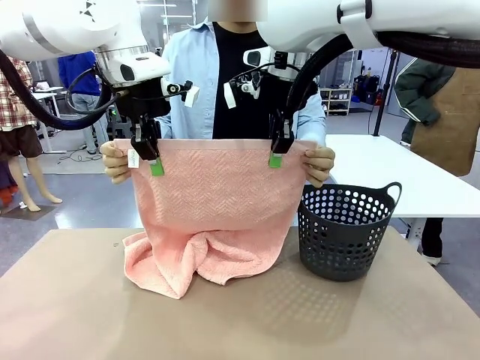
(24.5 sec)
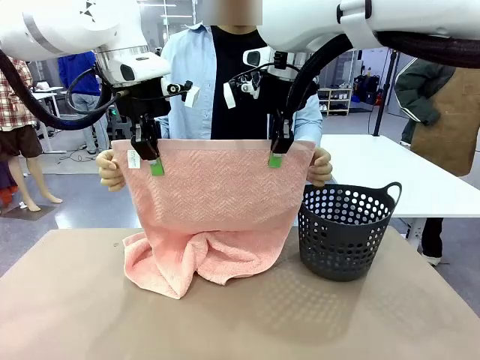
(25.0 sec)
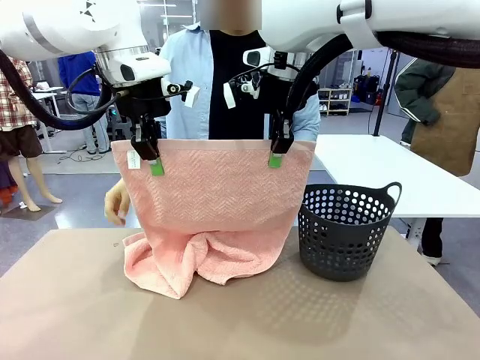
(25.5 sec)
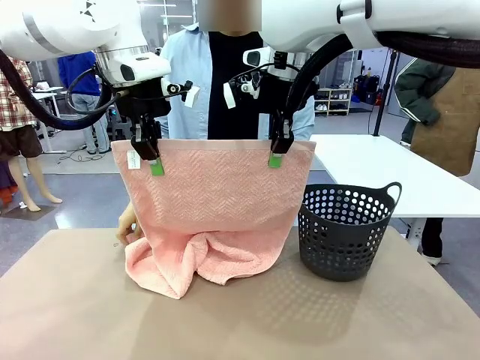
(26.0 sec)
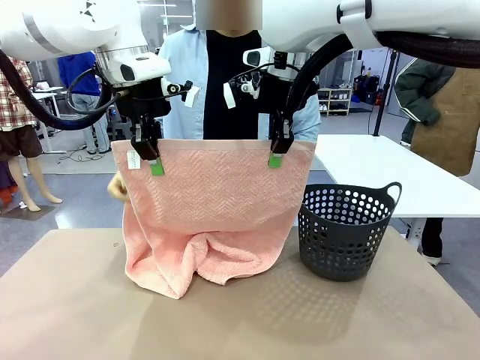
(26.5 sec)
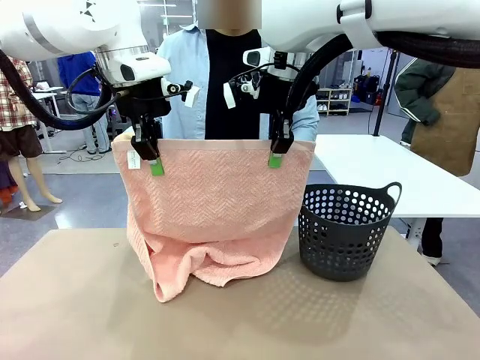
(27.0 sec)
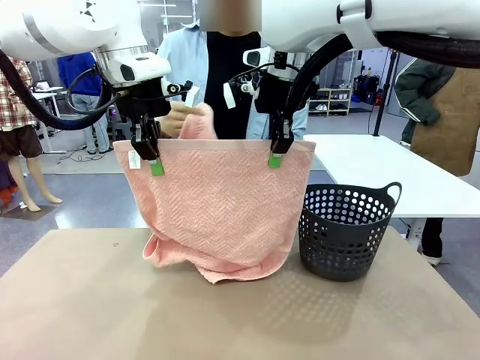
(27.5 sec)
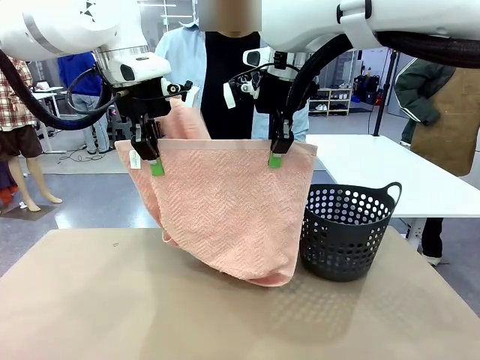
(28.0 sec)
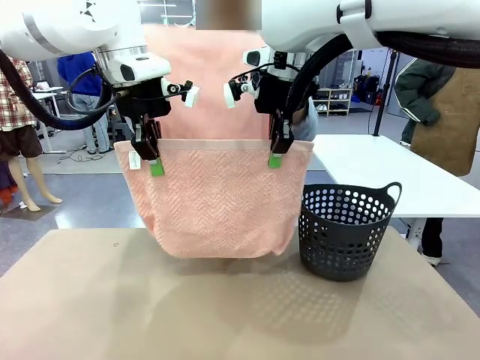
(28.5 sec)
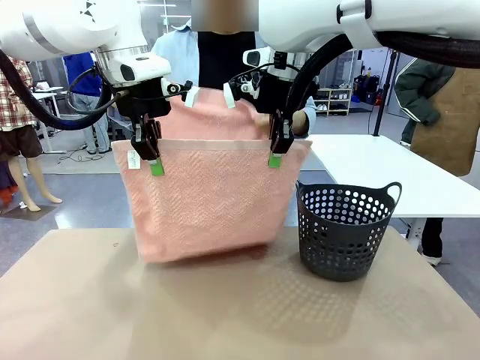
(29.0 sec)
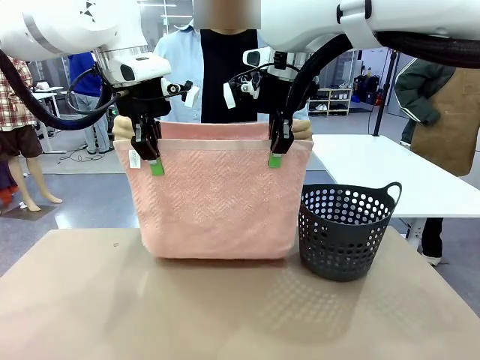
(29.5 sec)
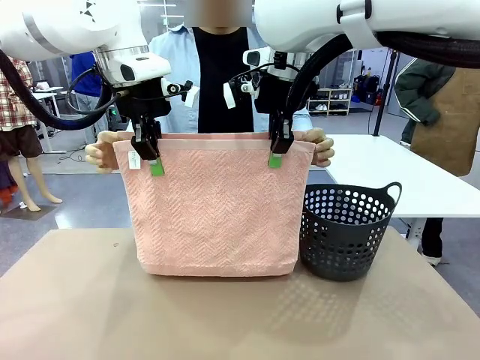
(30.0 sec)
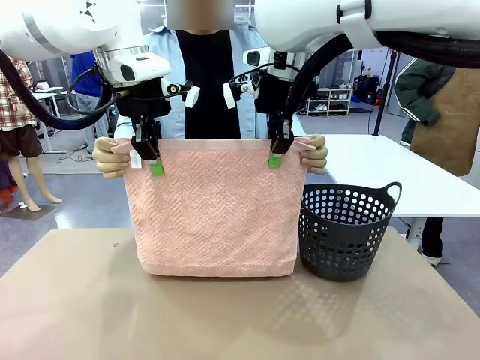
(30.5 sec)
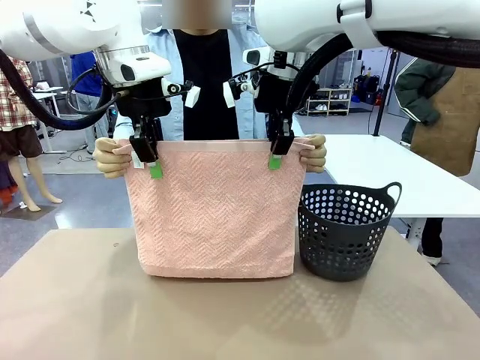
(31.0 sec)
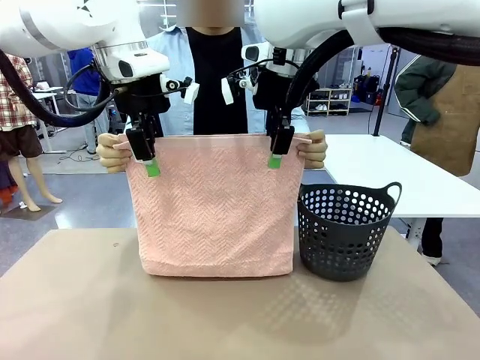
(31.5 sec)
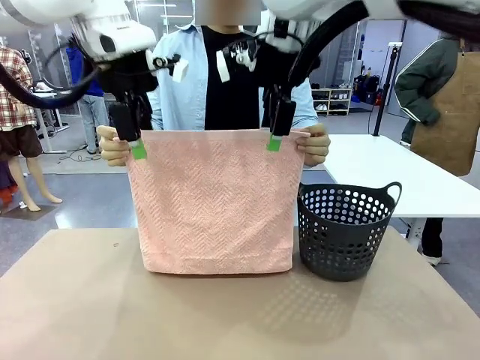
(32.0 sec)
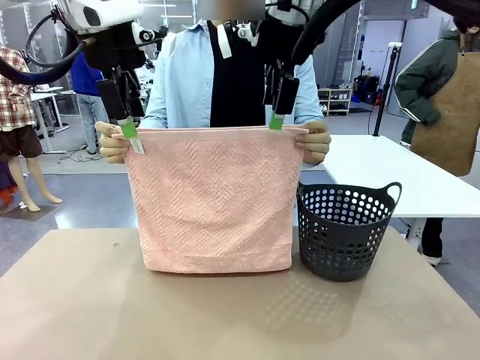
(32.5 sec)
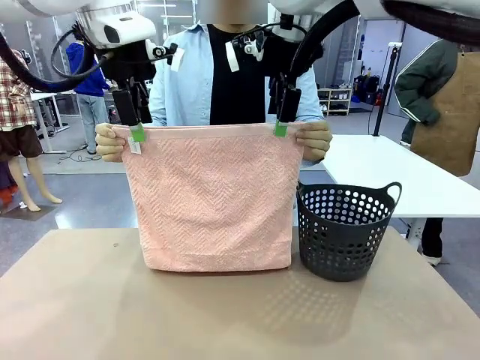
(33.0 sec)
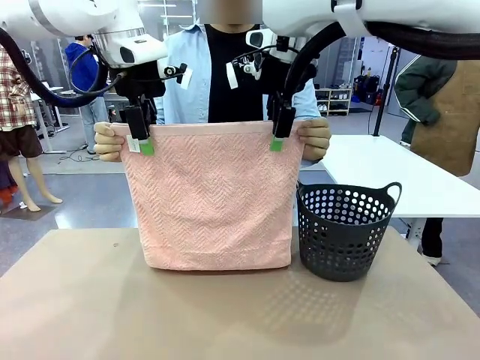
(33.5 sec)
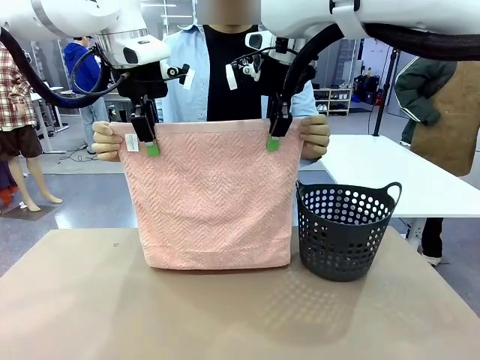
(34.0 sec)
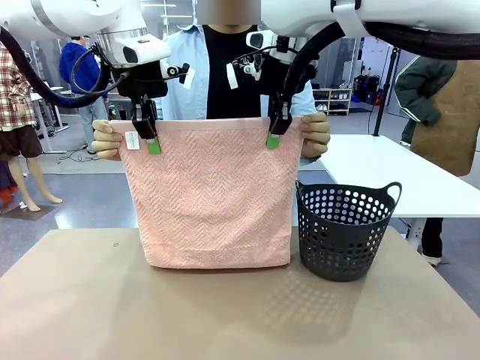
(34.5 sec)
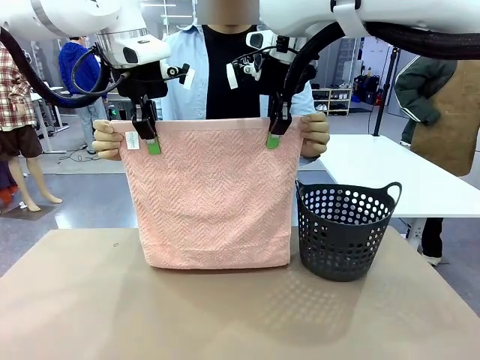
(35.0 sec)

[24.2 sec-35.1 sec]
Task: Fold the towel.
Robot: Release the end of the 100 cm Hotel Towel you were holding and grab the top end of the folded side.

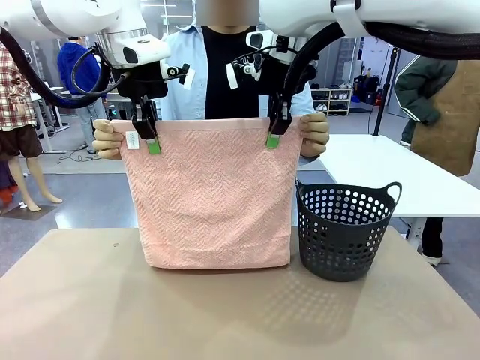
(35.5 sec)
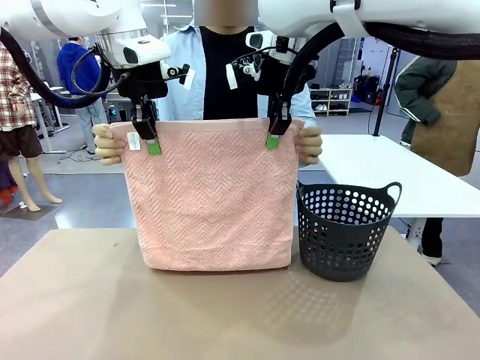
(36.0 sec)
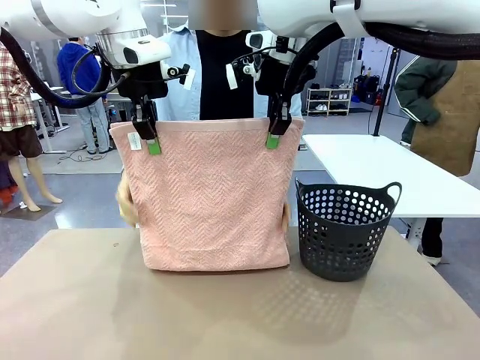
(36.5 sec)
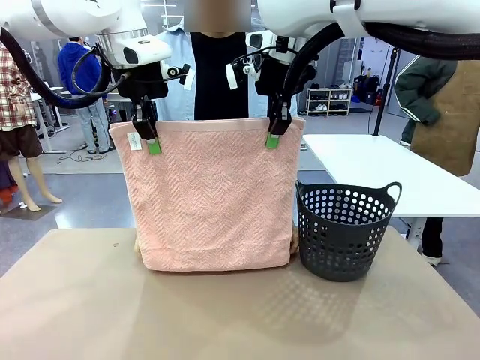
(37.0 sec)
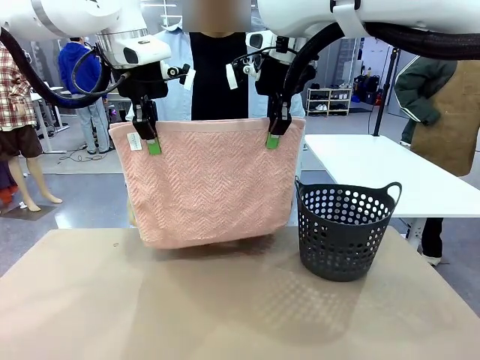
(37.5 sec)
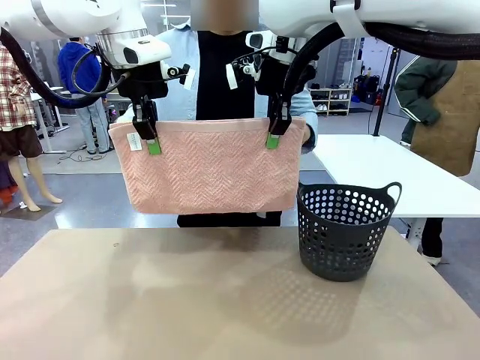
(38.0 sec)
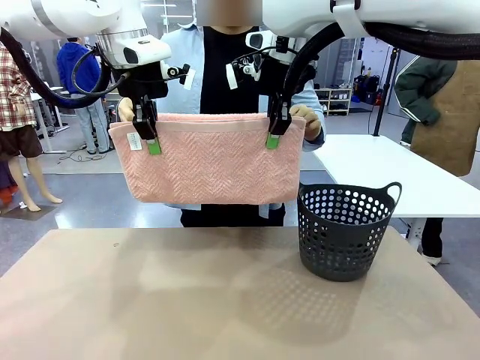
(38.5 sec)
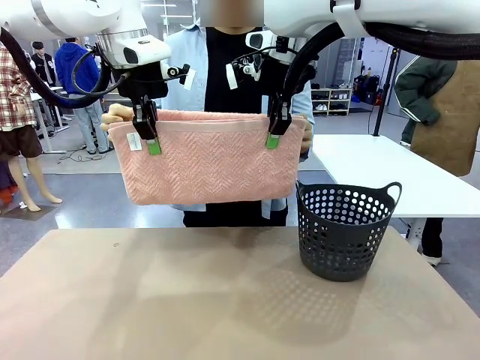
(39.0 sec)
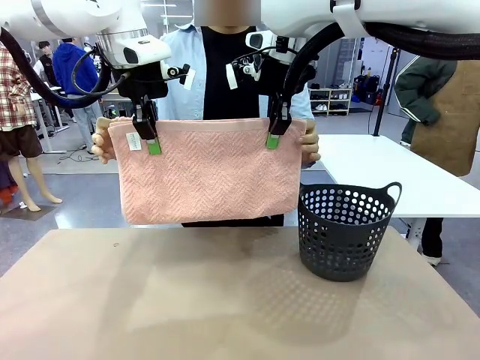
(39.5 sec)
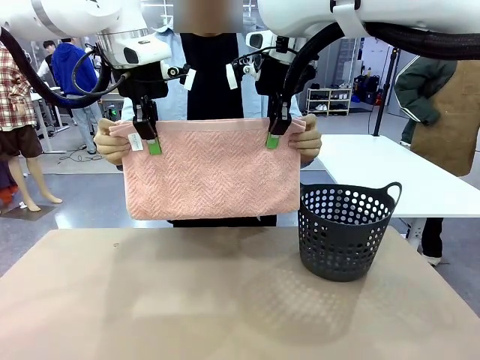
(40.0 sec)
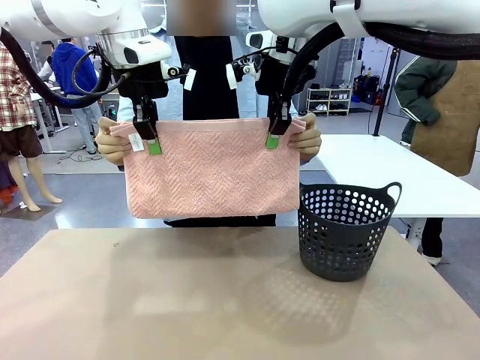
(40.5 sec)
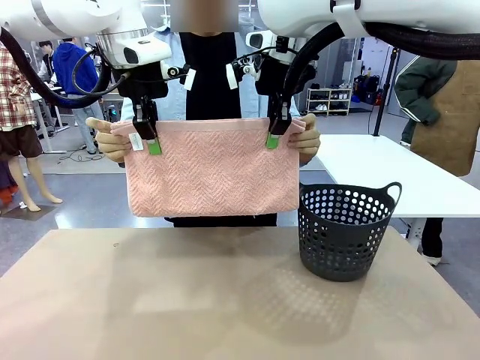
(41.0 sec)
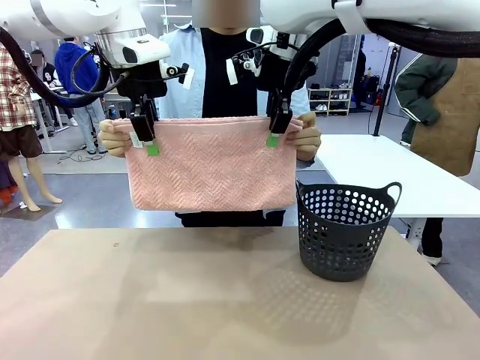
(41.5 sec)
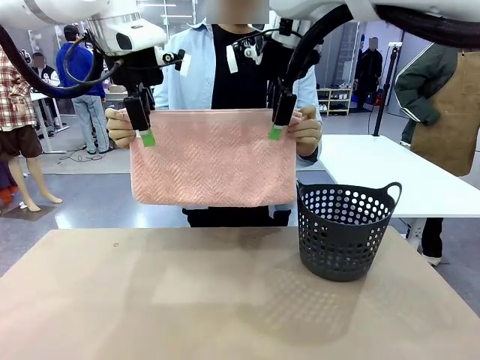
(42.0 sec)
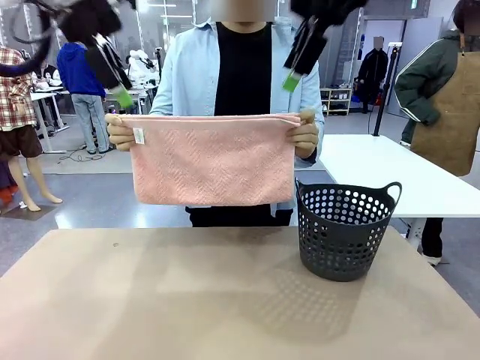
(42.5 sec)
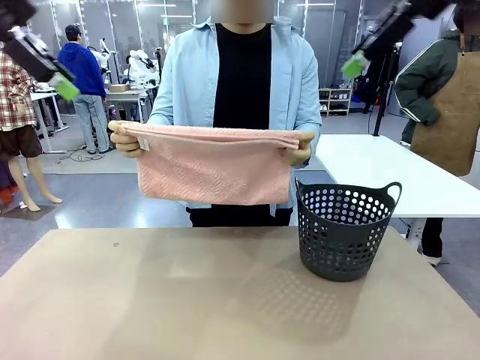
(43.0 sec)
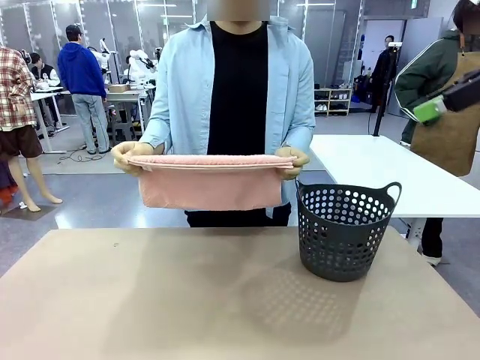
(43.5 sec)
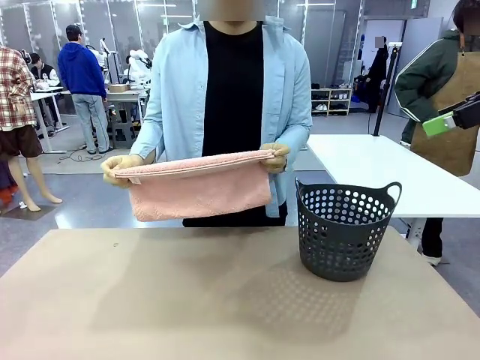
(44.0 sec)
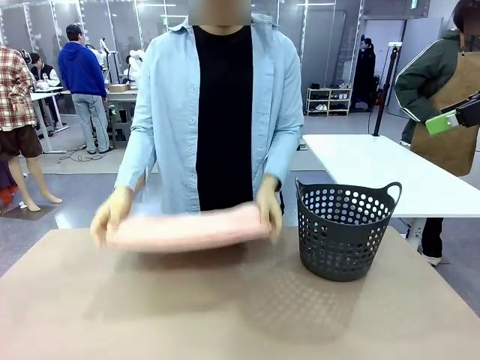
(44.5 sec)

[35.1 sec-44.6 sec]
Robot: Release the end of the 100 cm Hotel Towel you were holding.
Person: Place the towel at the center of the robot table and fold it in half.

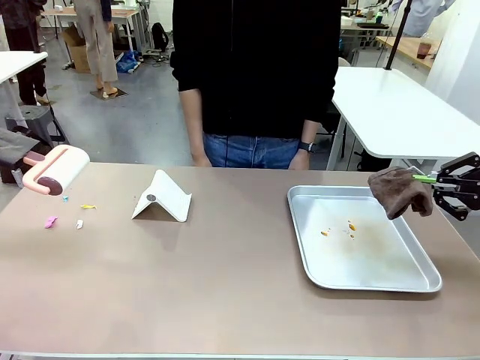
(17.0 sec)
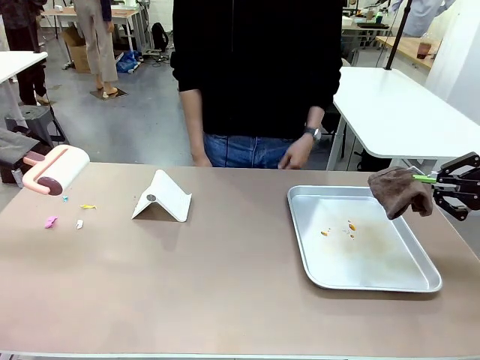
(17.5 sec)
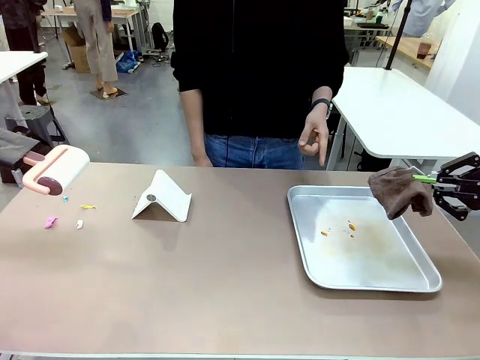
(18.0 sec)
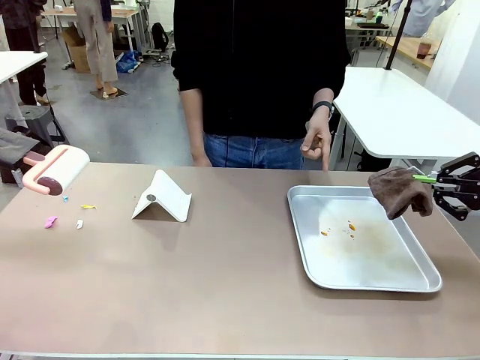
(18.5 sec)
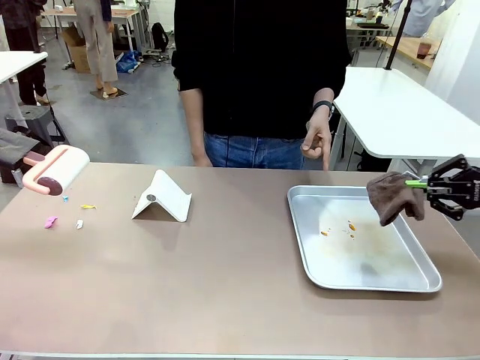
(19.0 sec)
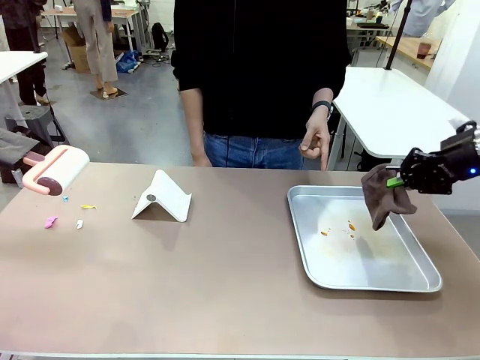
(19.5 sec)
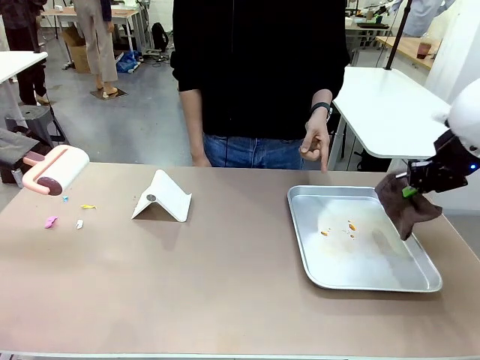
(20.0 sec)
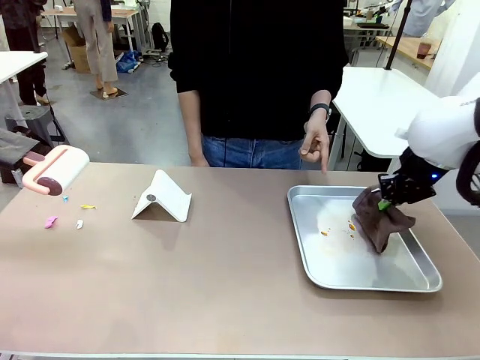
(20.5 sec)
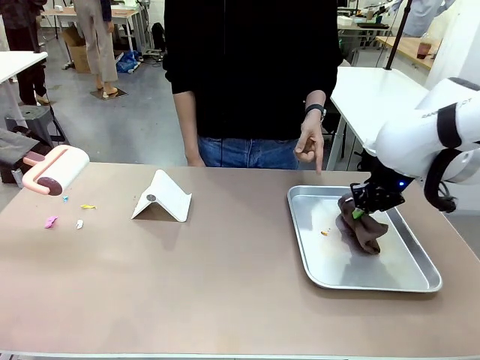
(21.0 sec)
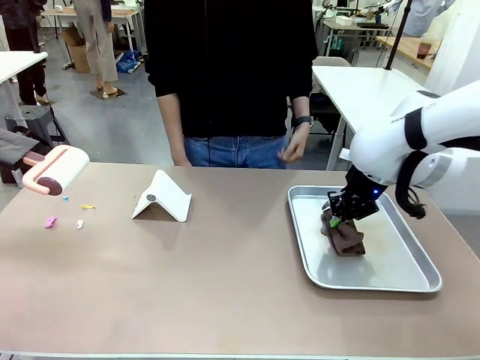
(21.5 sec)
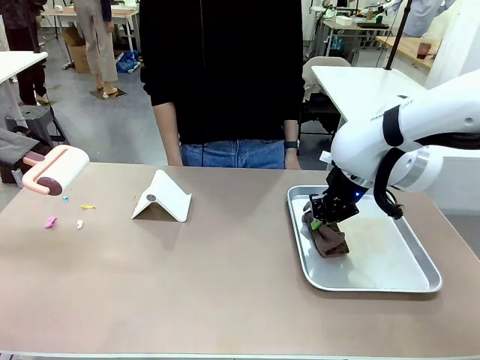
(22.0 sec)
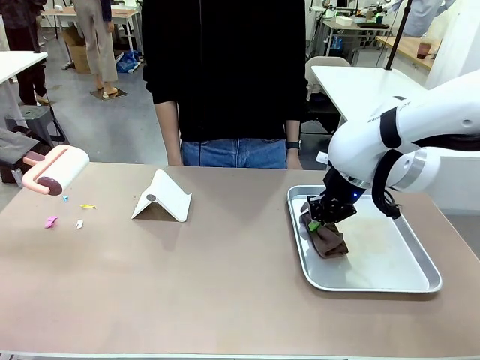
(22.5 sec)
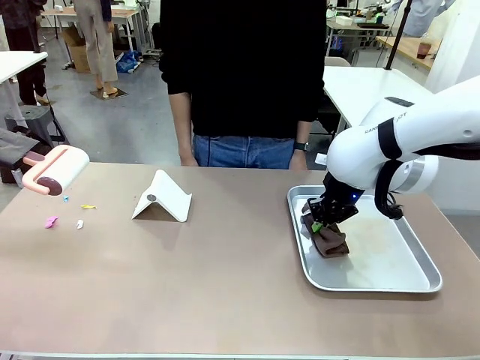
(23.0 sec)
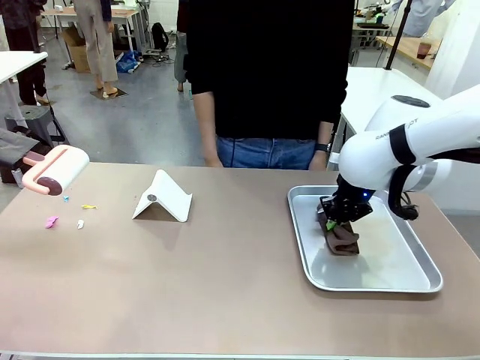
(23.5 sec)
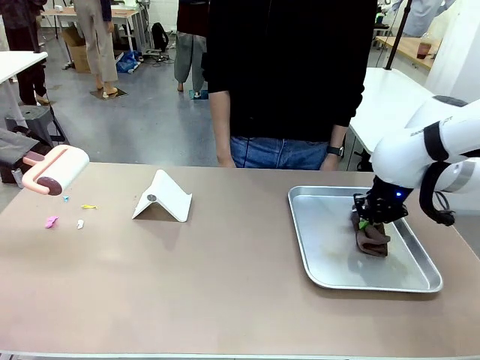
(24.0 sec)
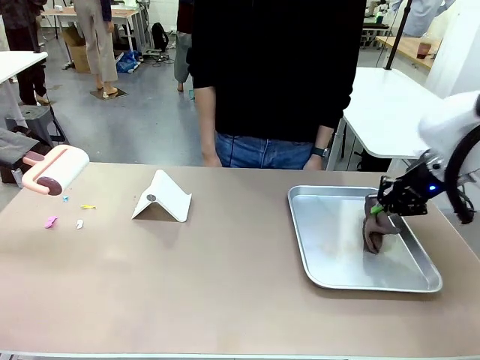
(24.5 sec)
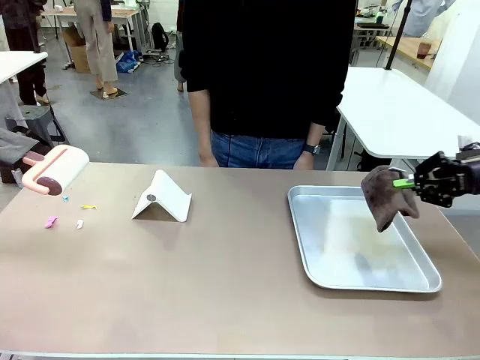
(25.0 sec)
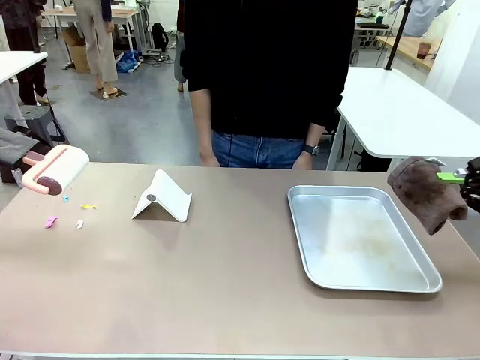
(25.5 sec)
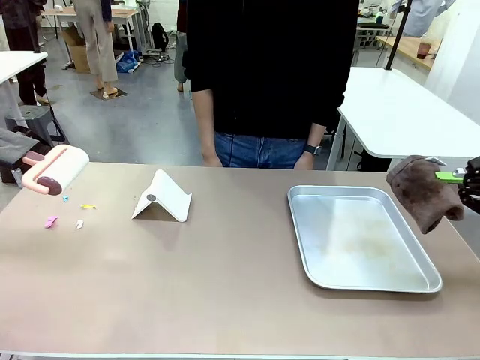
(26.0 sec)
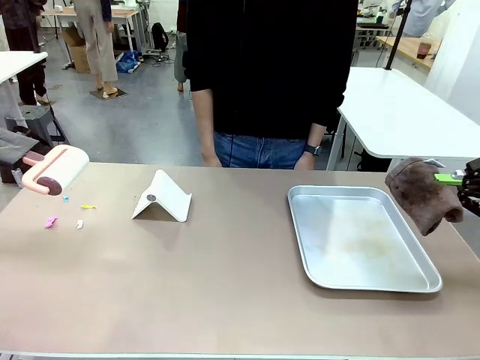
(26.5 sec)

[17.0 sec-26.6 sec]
Task: Clean the surface of the table.
Robot: If a person points to the right, clean the right side of the table with your right hand, and if they point to the left, clean the left side with your left hand.
